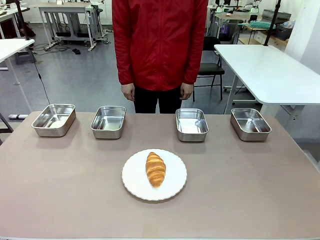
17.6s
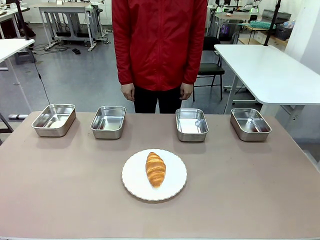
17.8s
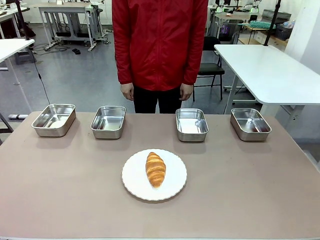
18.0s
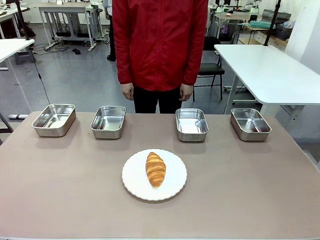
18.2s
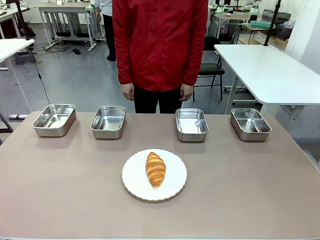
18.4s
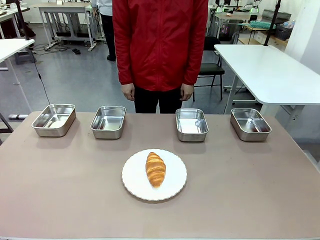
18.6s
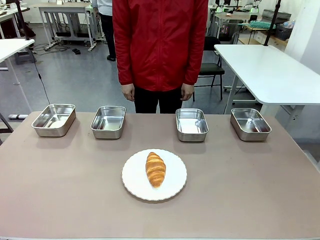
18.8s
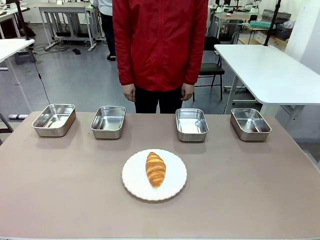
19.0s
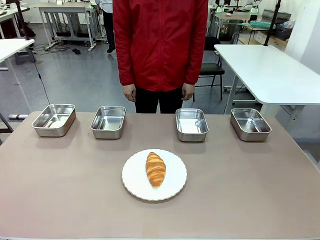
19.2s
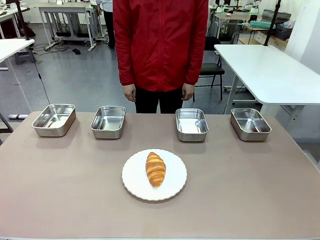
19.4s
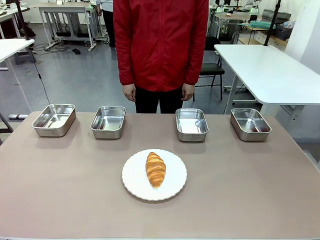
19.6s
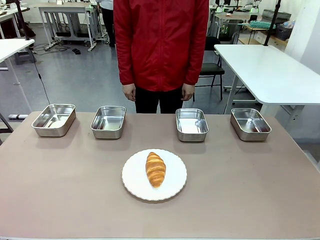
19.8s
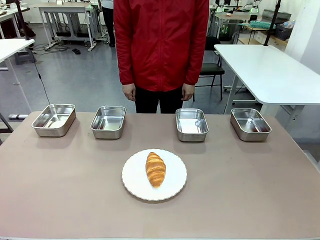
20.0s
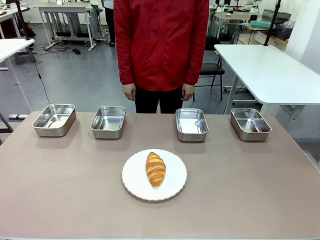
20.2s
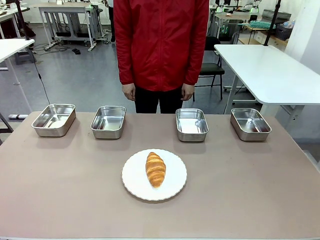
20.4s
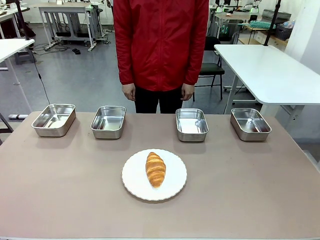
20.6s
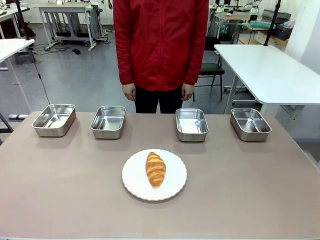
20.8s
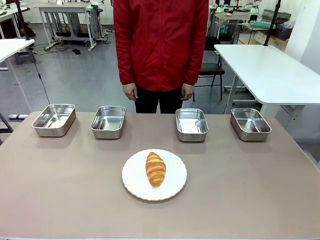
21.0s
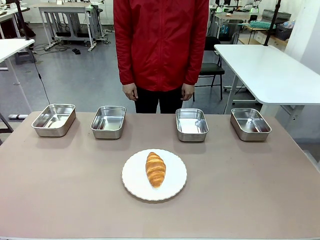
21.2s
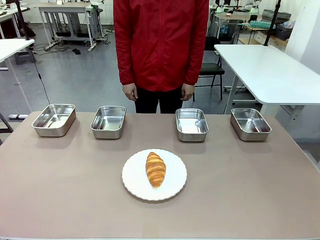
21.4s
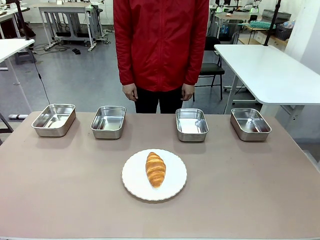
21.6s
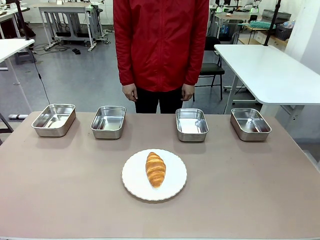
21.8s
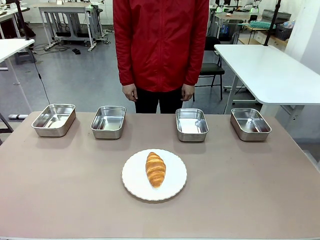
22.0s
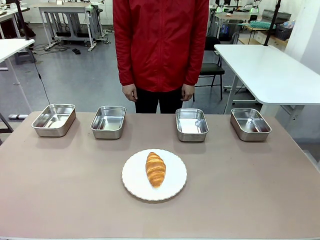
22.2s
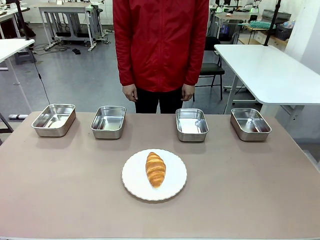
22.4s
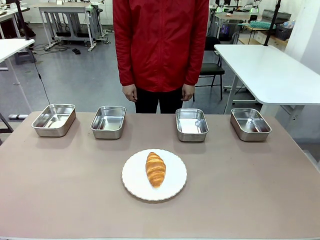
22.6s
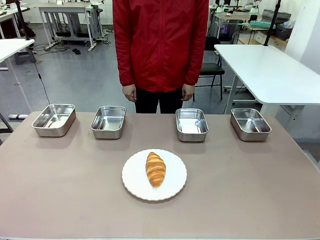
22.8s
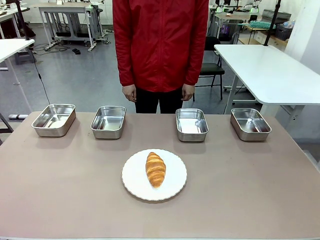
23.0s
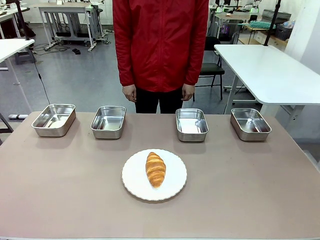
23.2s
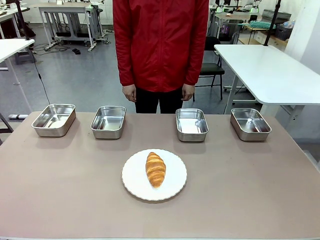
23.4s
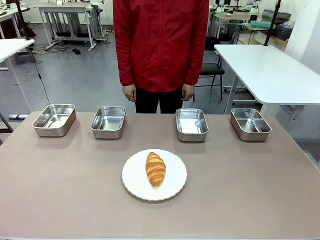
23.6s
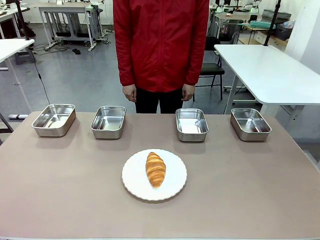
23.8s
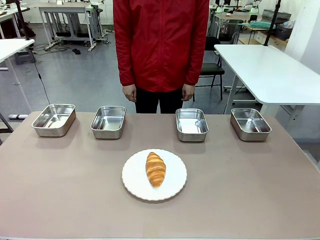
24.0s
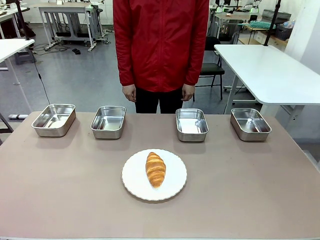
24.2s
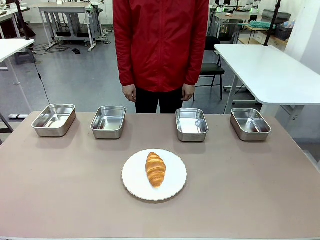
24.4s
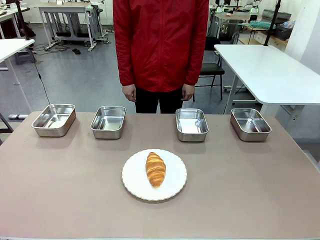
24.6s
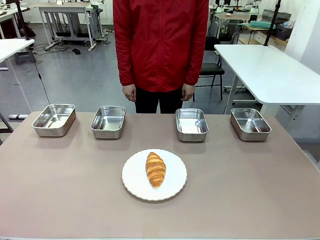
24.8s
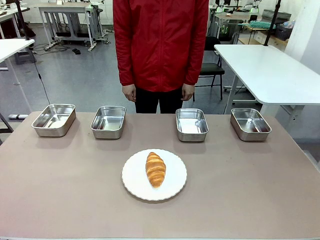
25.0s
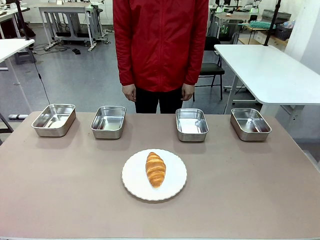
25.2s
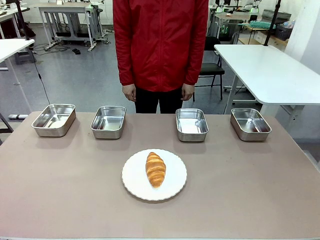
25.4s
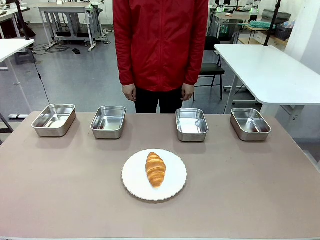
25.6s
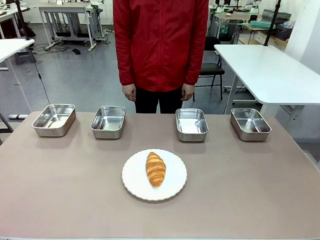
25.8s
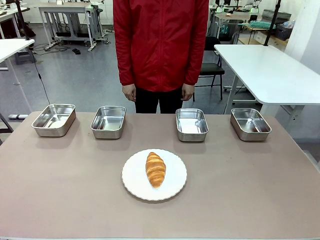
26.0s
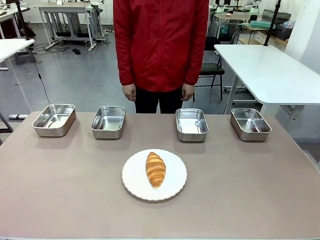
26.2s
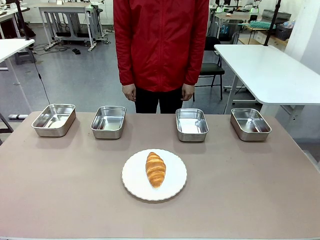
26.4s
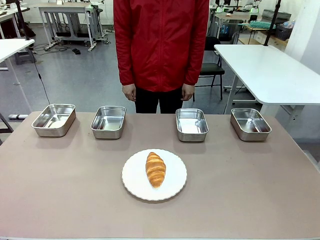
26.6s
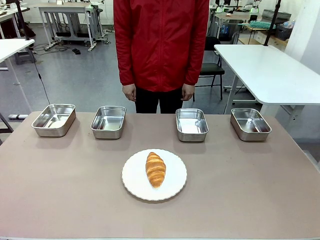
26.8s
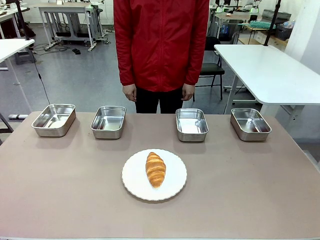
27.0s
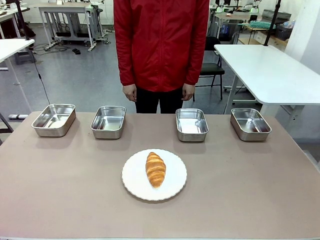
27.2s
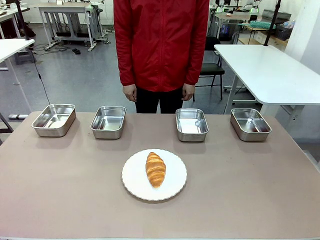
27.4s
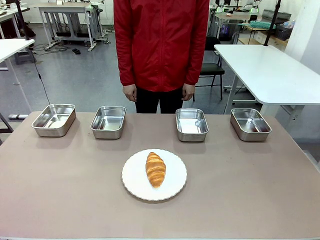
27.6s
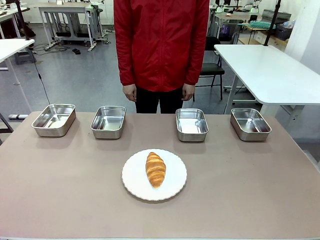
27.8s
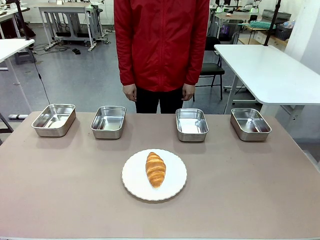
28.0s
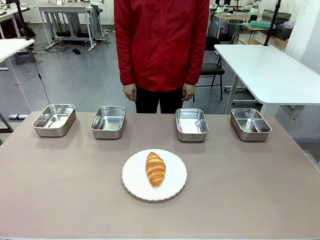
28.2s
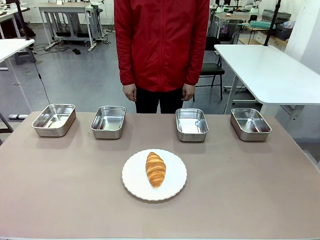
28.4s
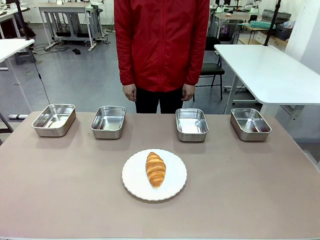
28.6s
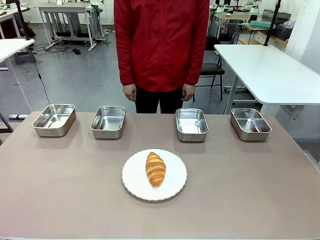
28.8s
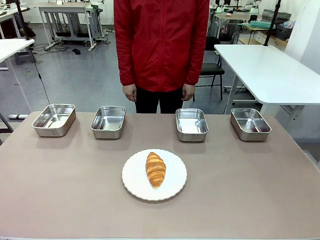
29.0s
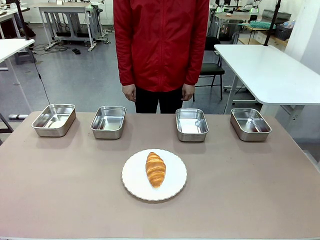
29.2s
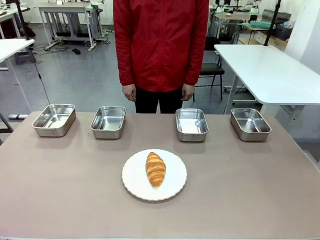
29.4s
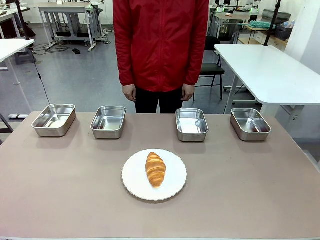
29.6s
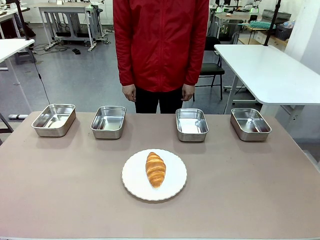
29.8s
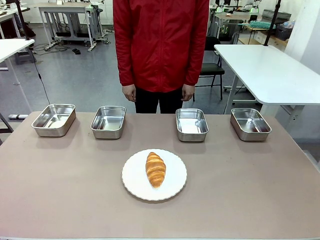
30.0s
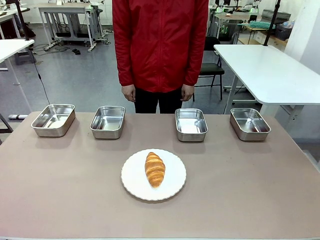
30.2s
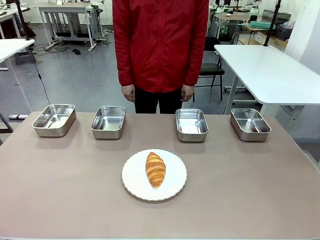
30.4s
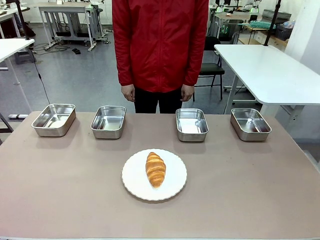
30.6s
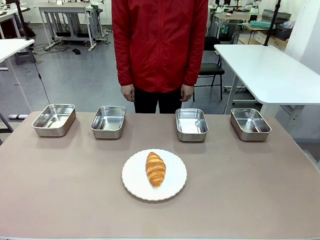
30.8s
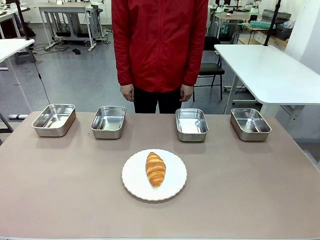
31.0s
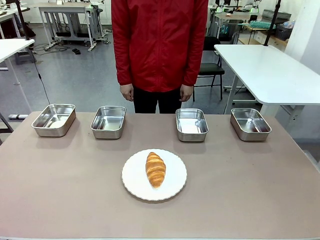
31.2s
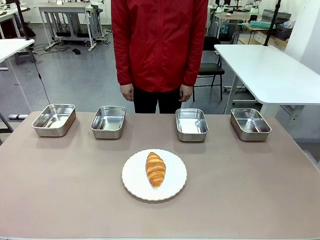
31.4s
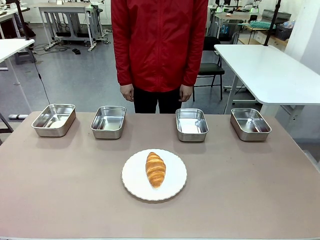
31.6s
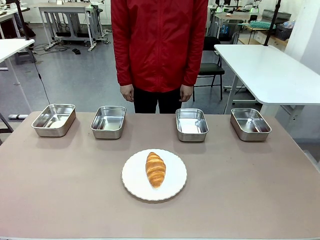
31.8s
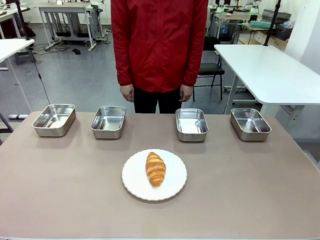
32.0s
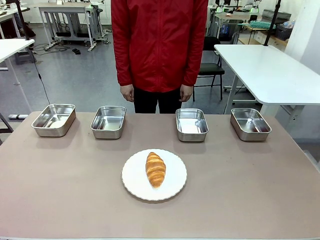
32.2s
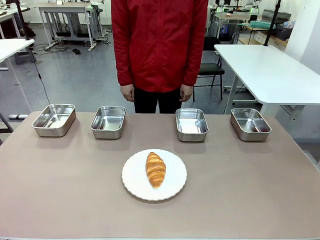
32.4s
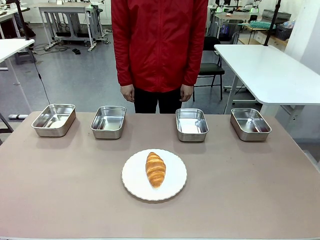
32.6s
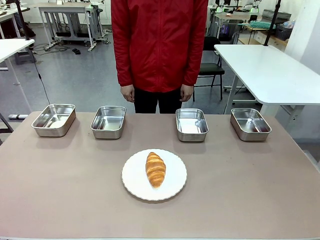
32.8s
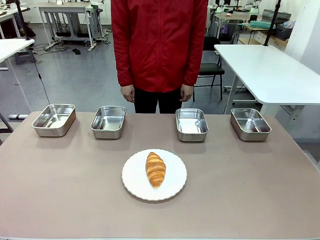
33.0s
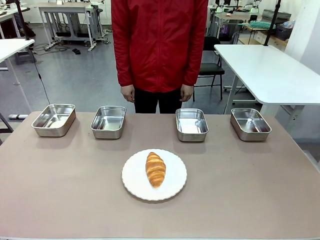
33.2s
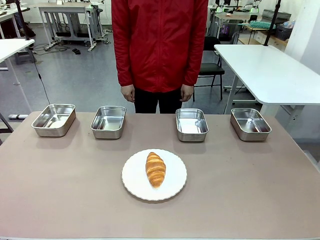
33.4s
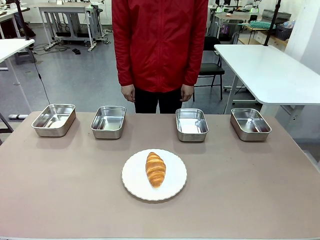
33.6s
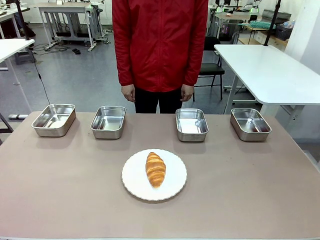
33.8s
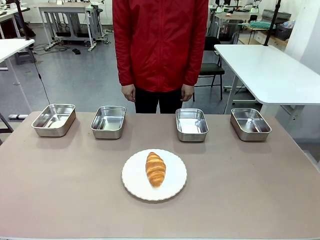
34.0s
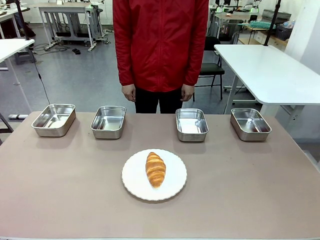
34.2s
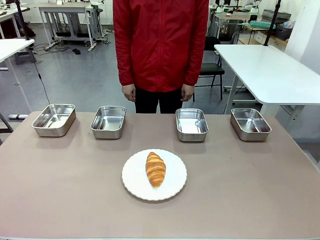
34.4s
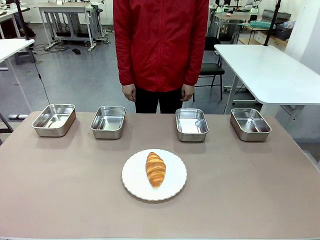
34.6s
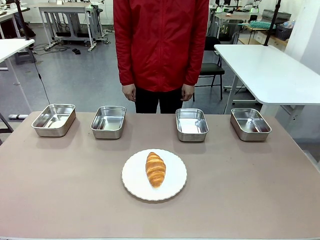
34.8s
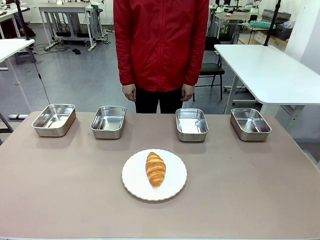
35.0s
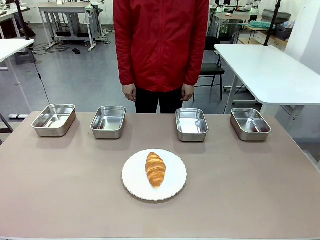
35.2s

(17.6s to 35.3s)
Task: Place the bread in the container.
Robot: Place the Butter Roll into the Airtight Container indicated by the human.

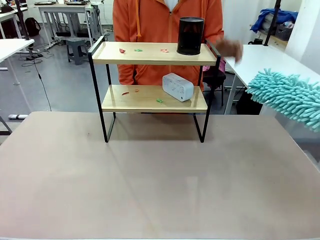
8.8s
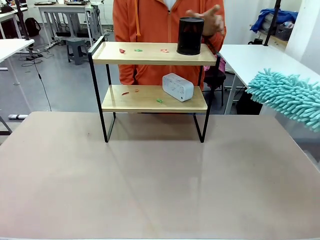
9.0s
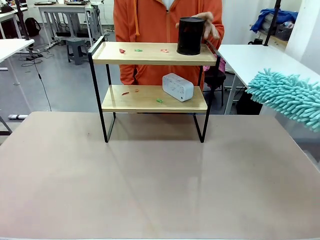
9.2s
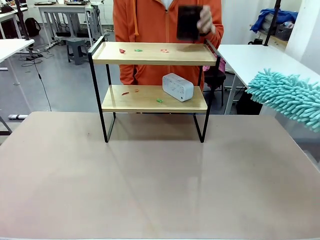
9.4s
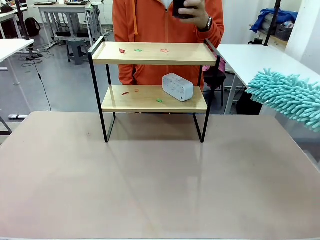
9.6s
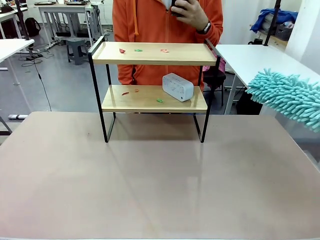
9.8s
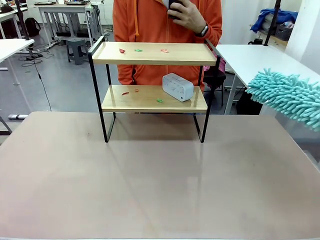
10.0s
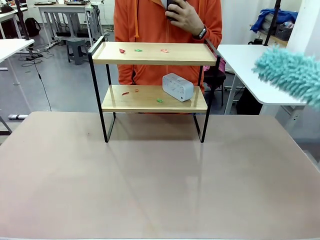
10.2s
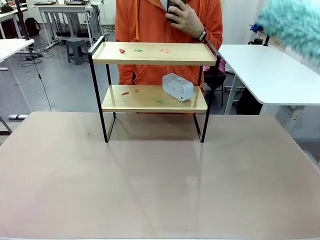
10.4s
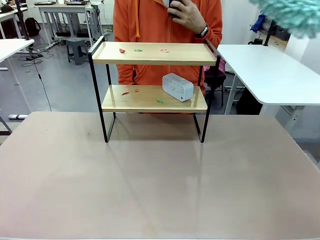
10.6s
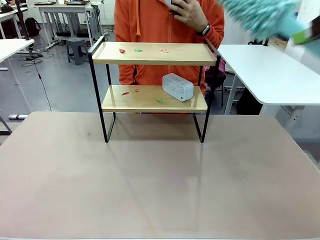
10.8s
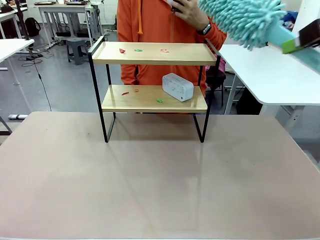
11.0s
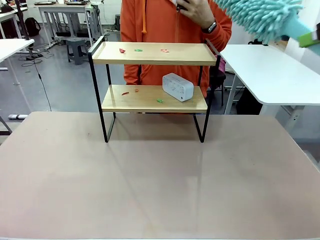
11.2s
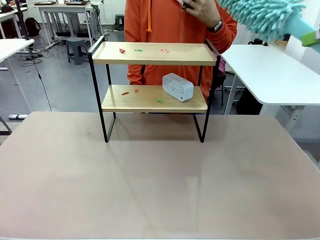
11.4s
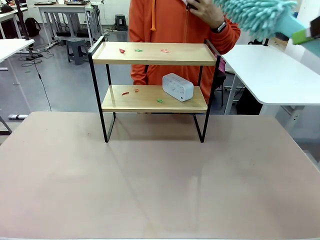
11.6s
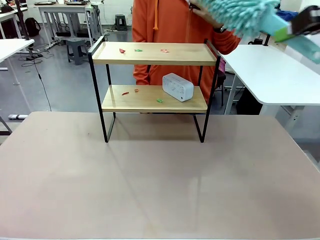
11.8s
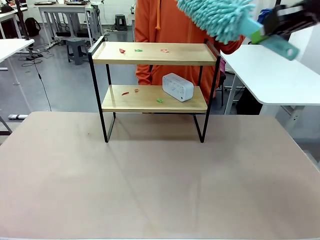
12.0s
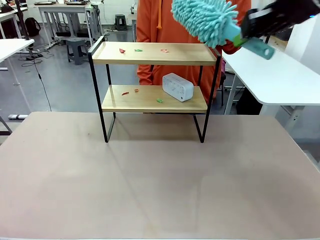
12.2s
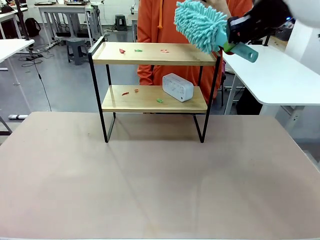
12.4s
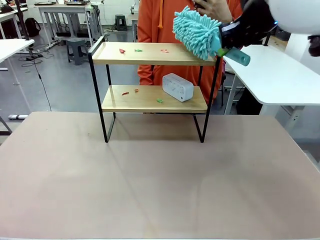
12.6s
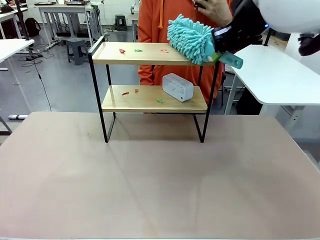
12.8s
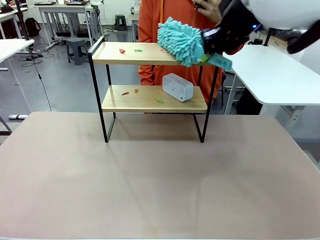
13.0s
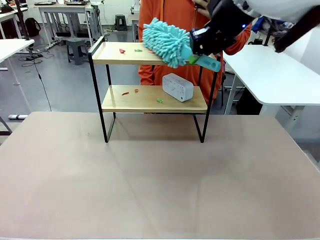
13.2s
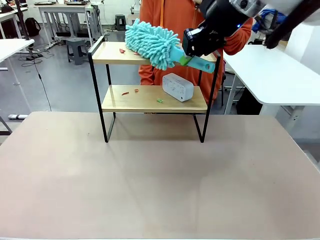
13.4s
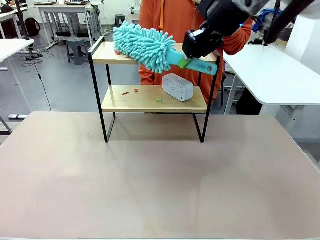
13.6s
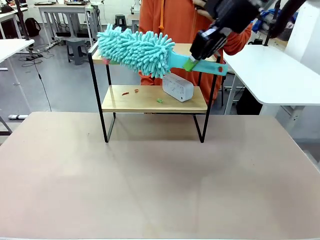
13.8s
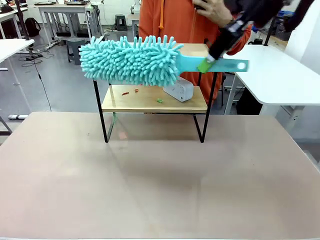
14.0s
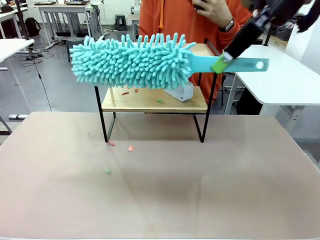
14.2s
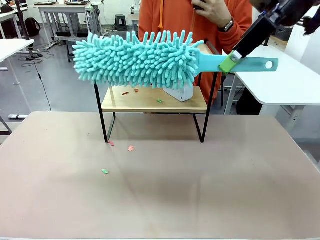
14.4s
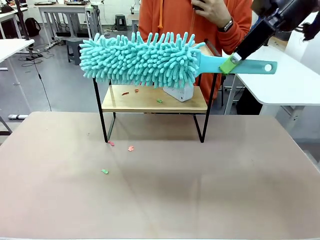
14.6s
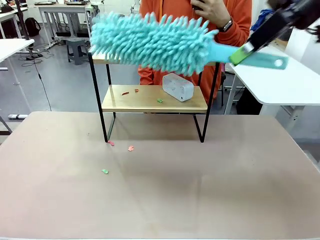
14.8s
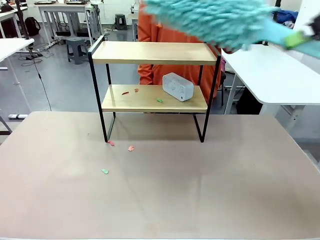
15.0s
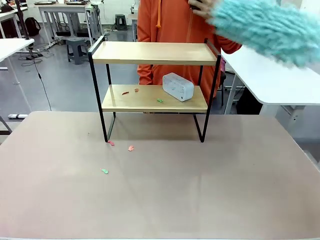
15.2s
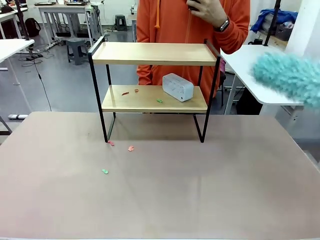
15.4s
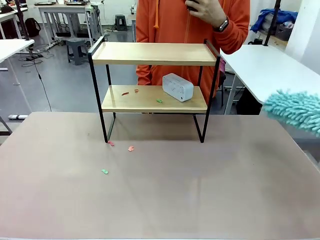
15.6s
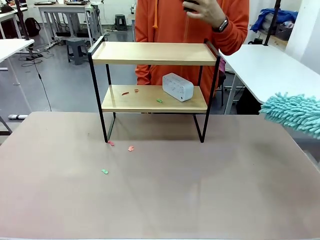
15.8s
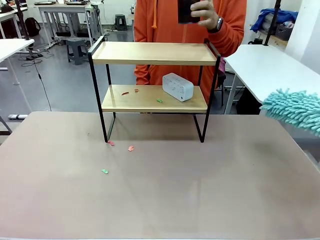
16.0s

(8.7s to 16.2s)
Task: Clean the shelf.
Robot: Clean the specific tier of the Shelf with the Duster once objects are removed.
Person: Lift the objects on a randomly selected tier of the Shelf. Once the robot finishes cleaning, lift the objects on the remaining tiers of the Shelf.
